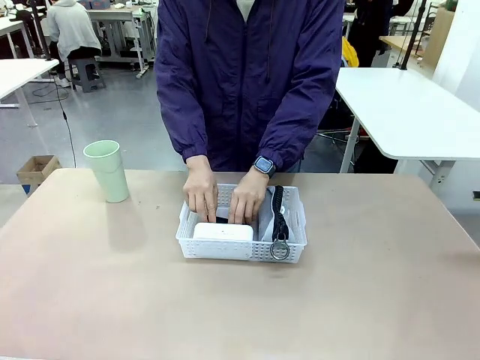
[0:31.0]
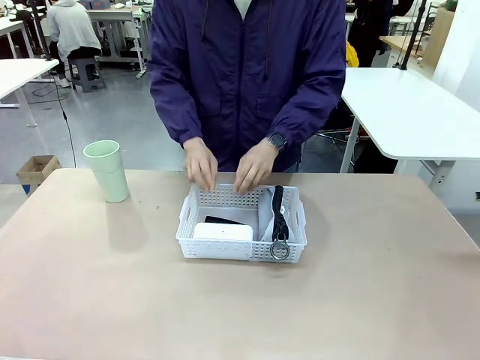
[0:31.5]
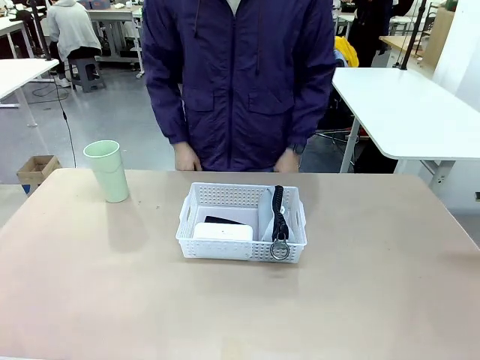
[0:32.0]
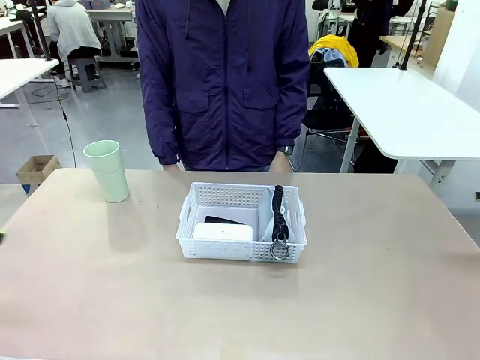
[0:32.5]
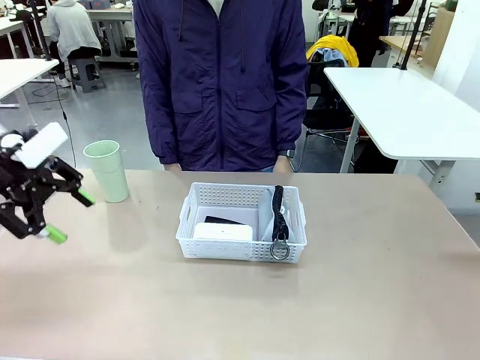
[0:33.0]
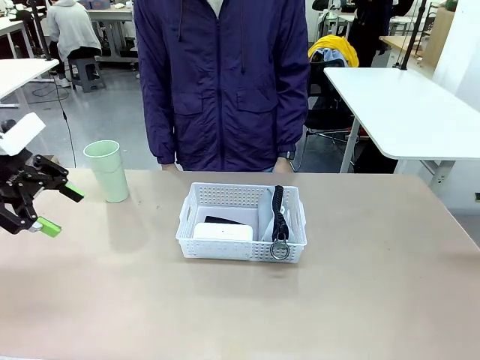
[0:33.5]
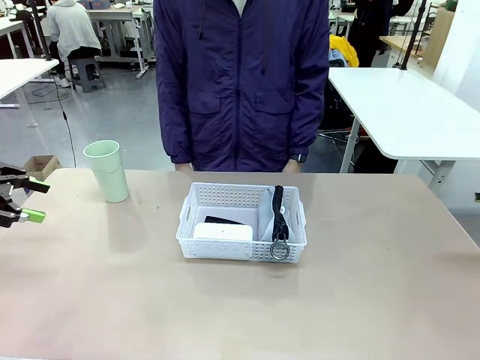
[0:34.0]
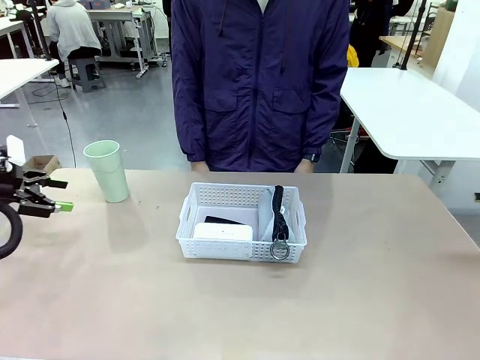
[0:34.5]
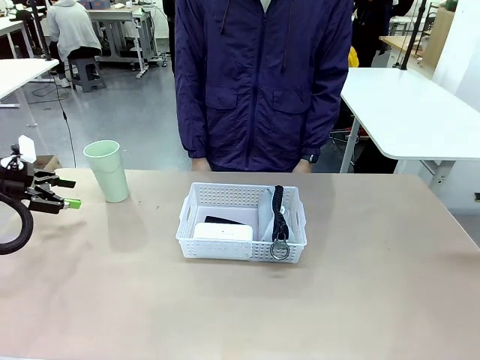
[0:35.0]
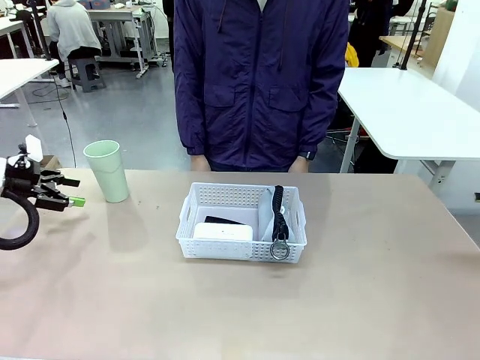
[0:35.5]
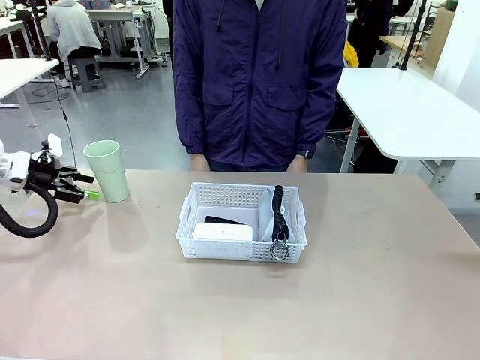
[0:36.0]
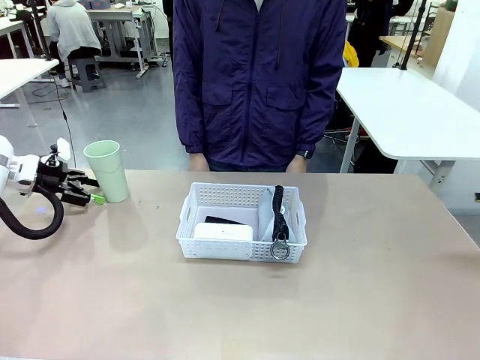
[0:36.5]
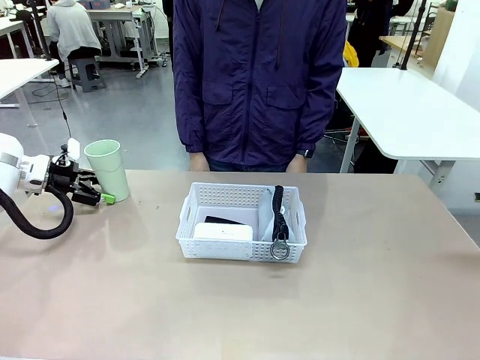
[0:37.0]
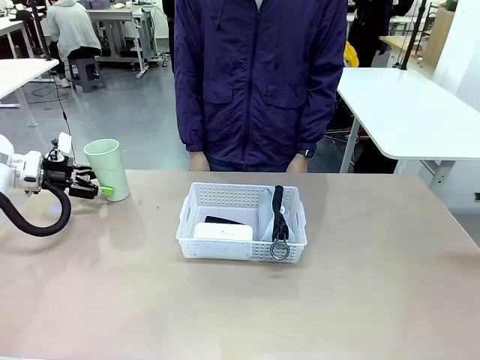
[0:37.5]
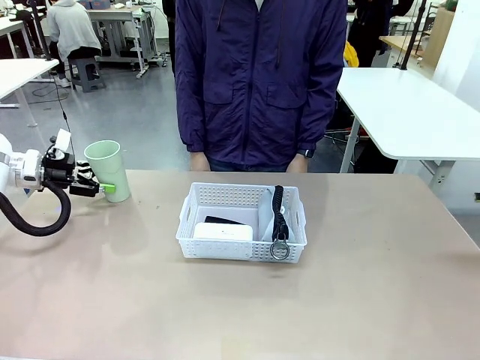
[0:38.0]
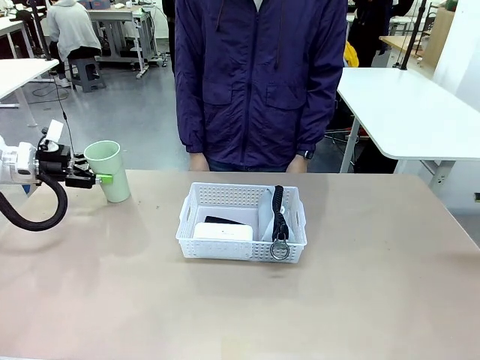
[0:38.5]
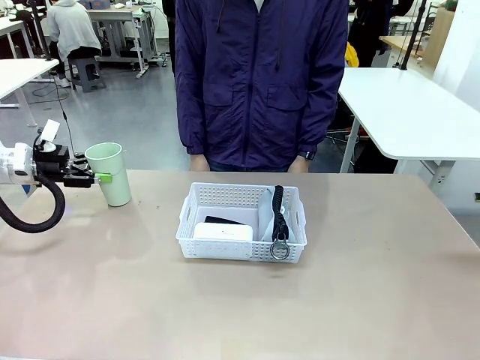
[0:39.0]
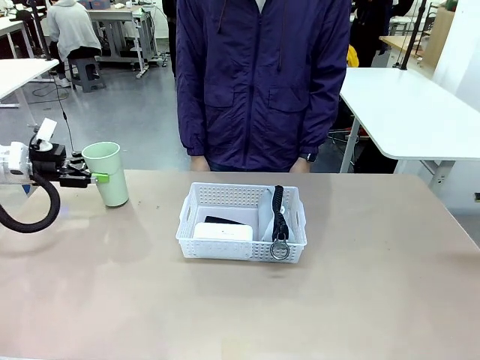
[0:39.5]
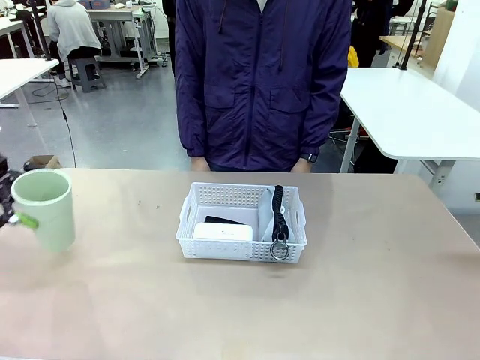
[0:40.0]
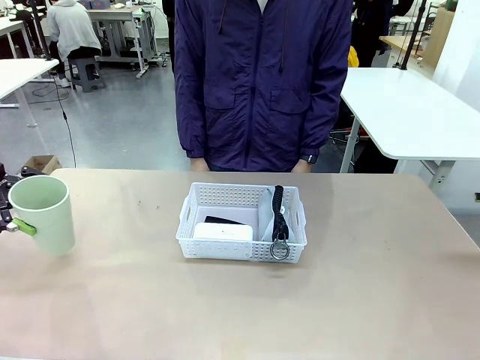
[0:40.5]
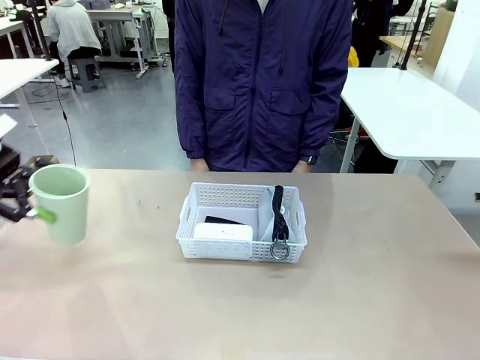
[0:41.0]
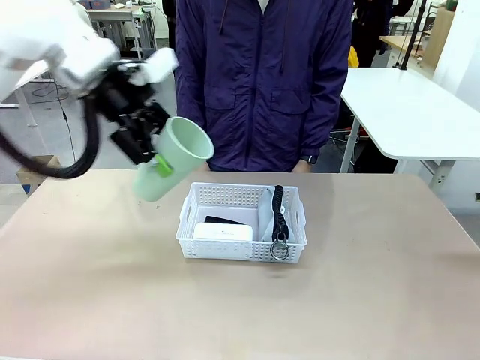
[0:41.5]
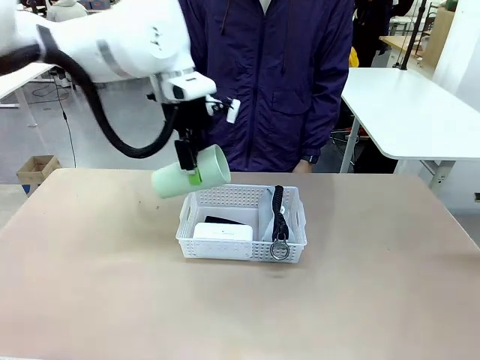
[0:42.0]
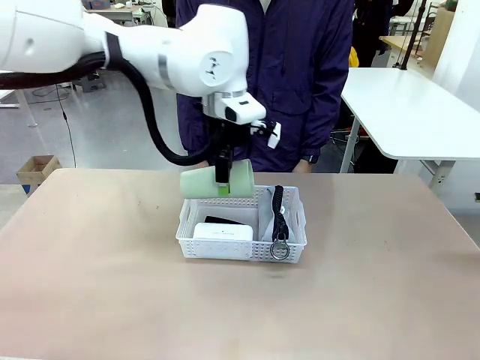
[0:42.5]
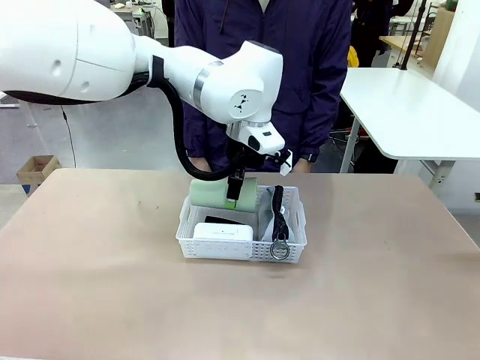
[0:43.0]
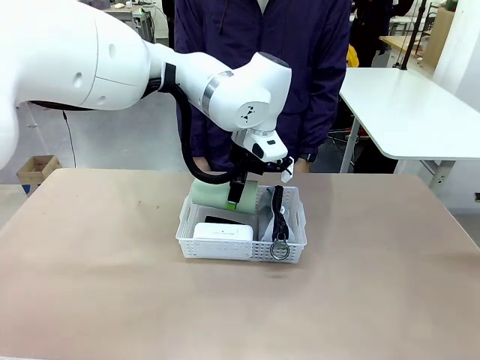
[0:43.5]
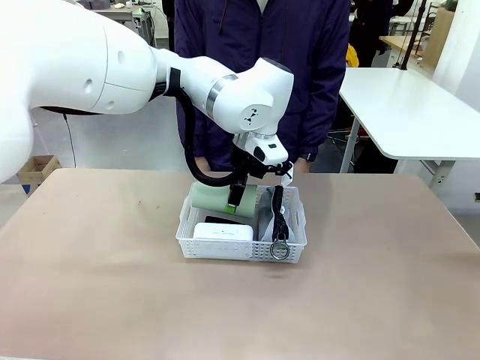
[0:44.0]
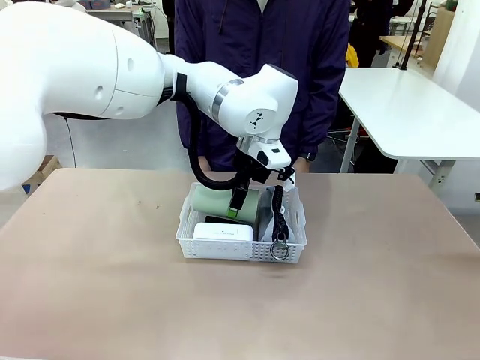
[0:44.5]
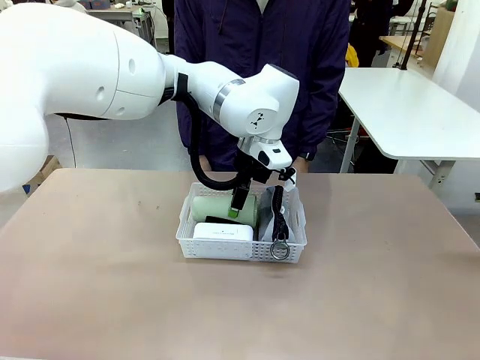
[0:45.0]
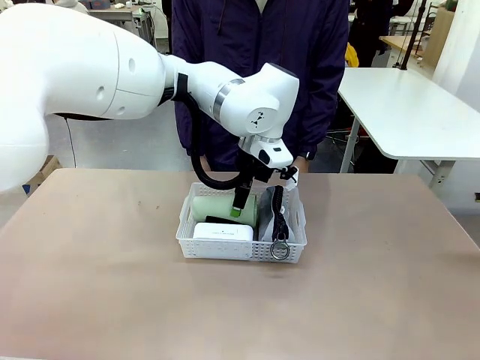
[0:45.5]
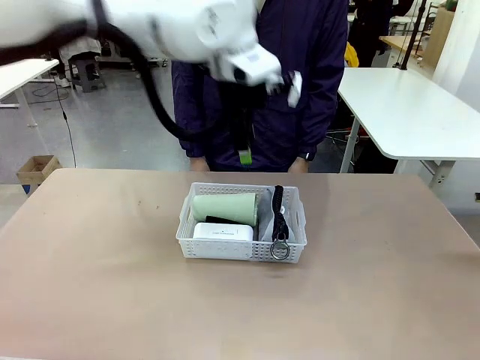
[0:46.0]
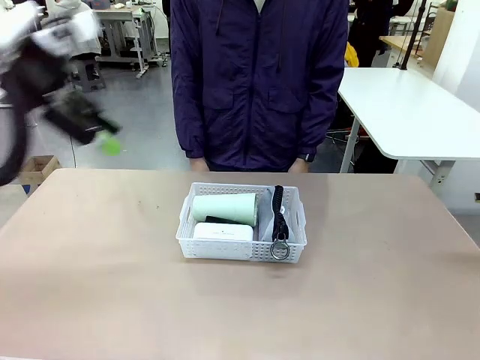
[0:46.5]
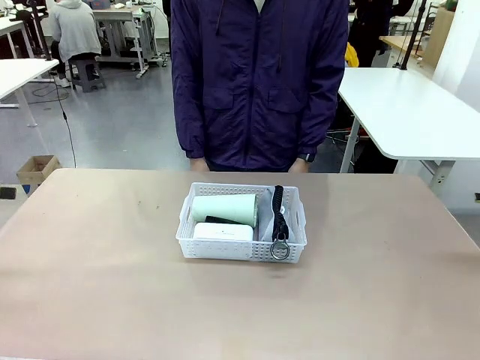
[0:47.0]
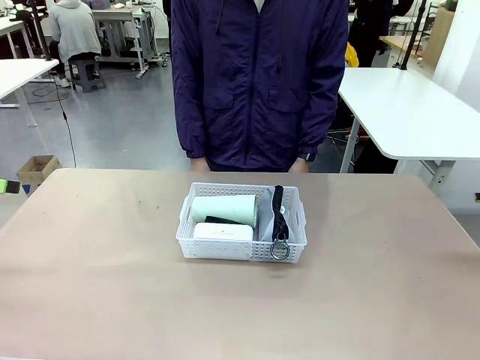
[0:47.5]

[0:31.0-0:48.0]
Task: Efficiently arrange items inside the basket to fit them all.
Robot: Pick up the Reusable plastic cup and place it inside the Organizing basket.
Person: Repositions the stapler.

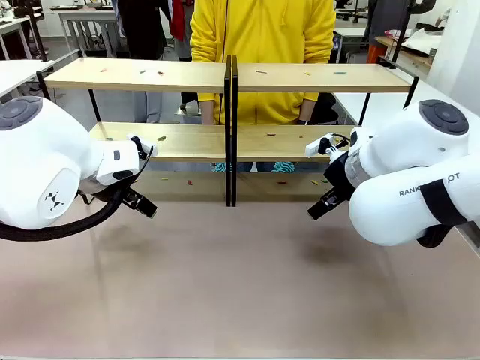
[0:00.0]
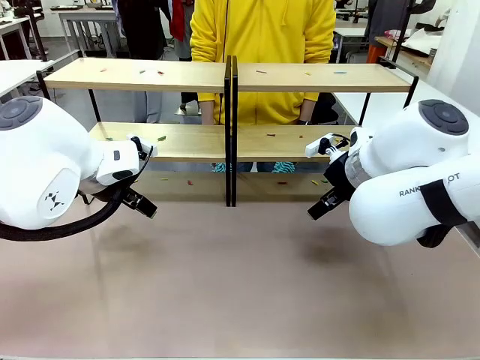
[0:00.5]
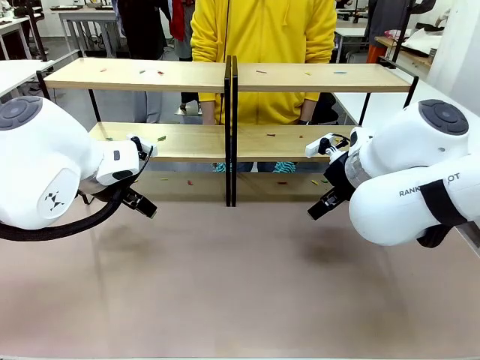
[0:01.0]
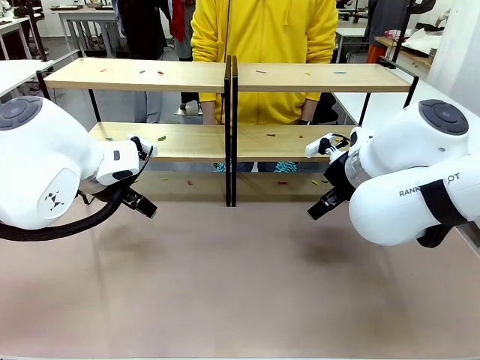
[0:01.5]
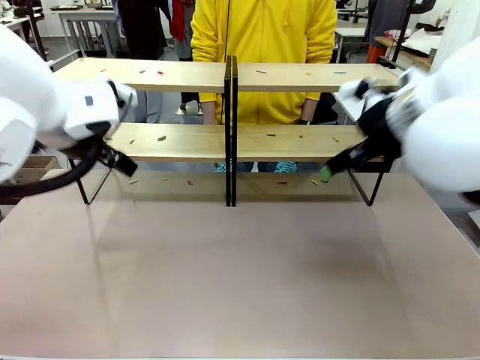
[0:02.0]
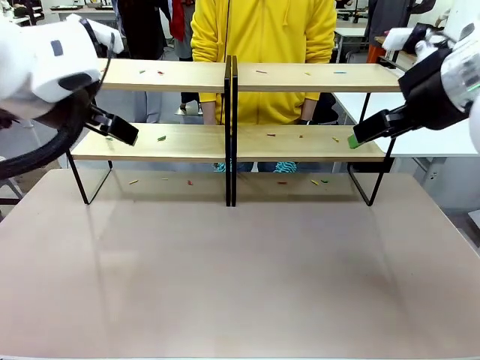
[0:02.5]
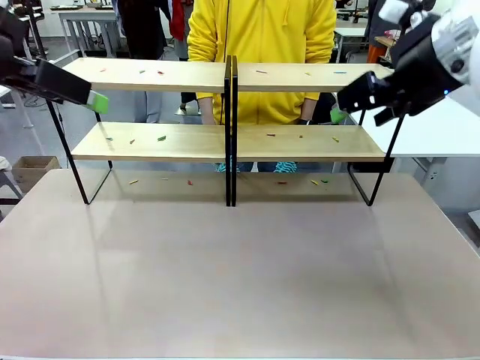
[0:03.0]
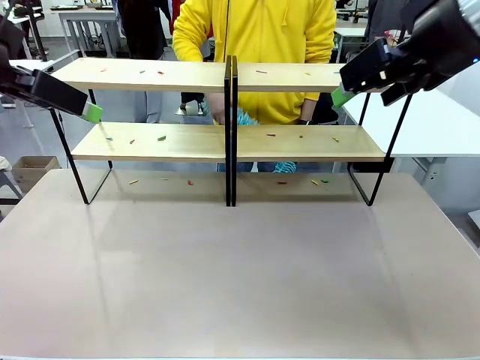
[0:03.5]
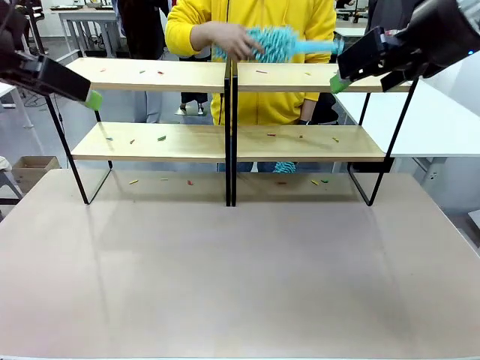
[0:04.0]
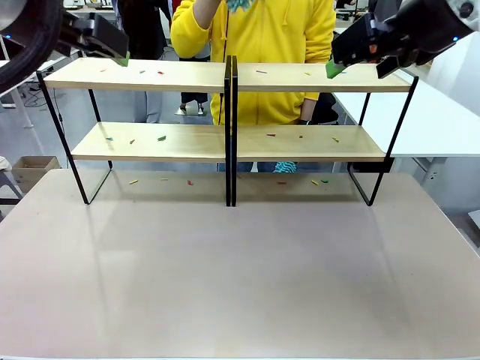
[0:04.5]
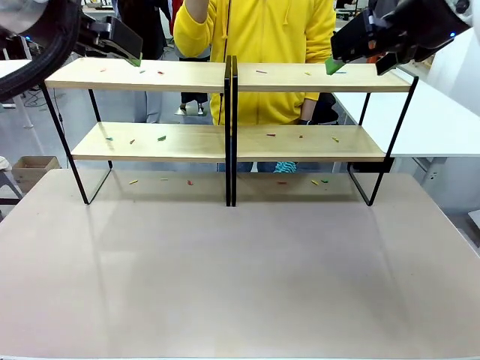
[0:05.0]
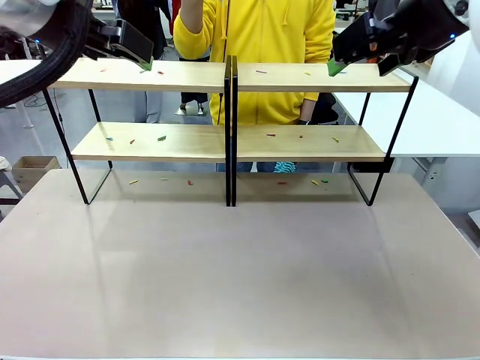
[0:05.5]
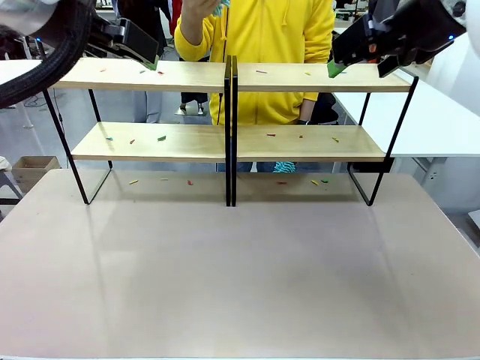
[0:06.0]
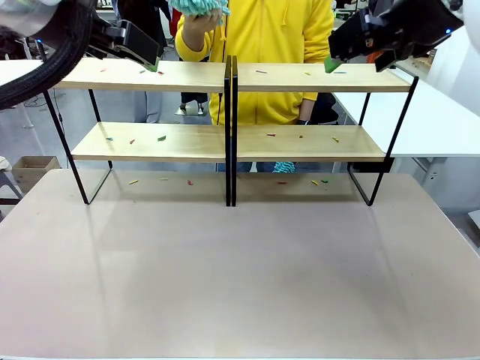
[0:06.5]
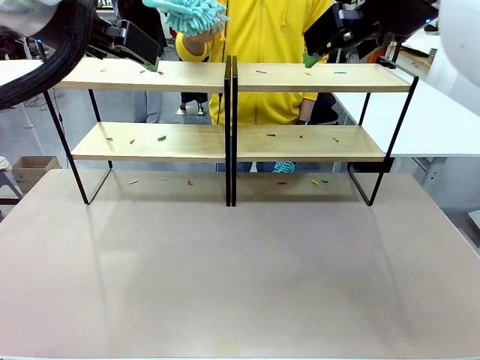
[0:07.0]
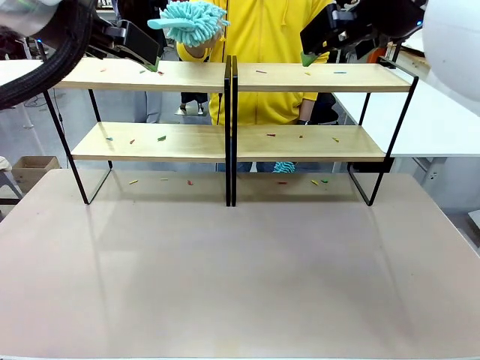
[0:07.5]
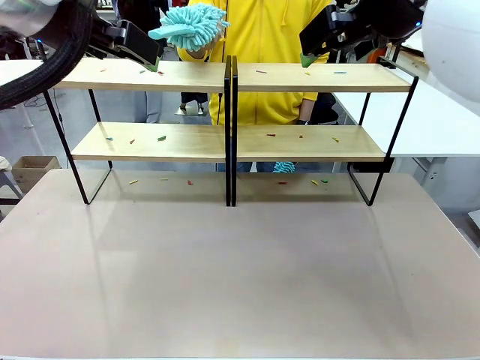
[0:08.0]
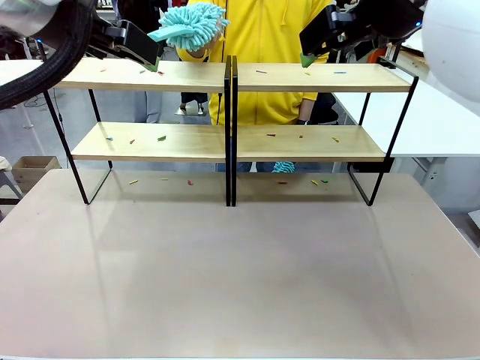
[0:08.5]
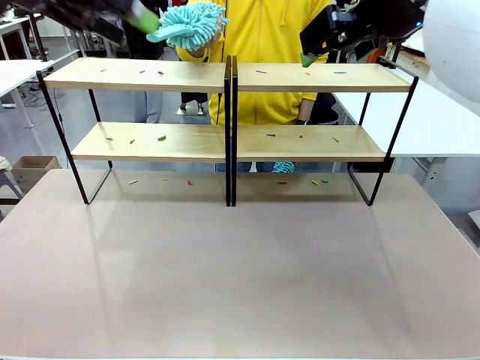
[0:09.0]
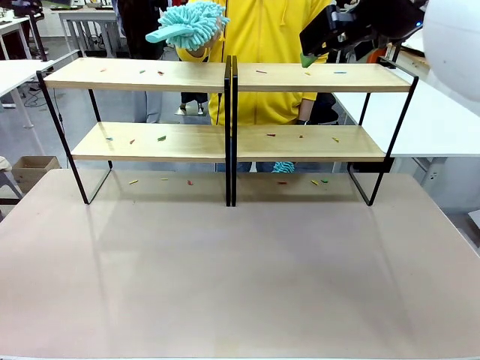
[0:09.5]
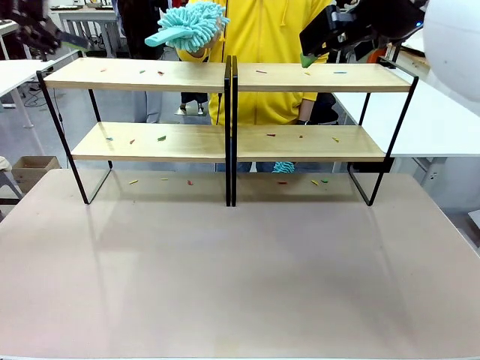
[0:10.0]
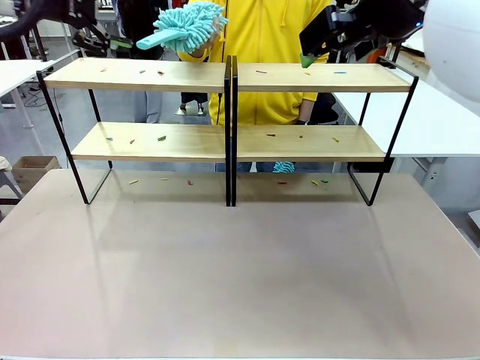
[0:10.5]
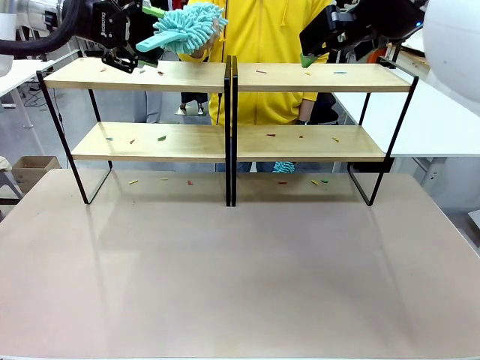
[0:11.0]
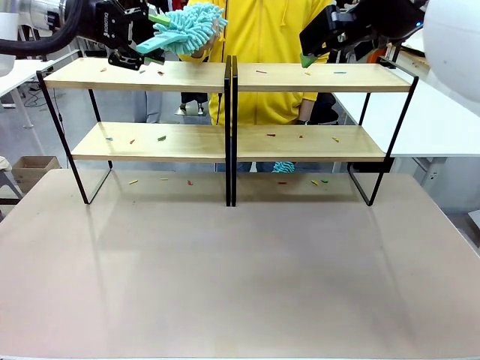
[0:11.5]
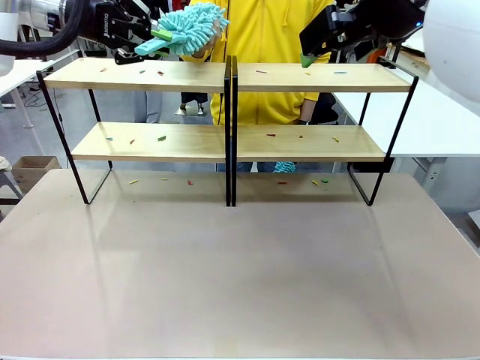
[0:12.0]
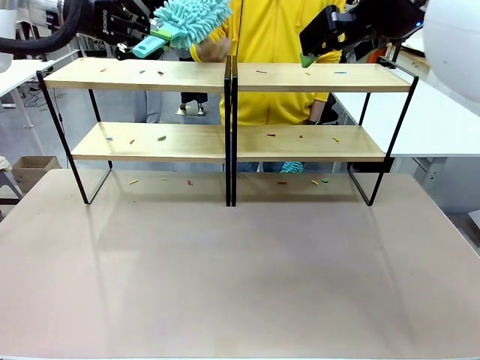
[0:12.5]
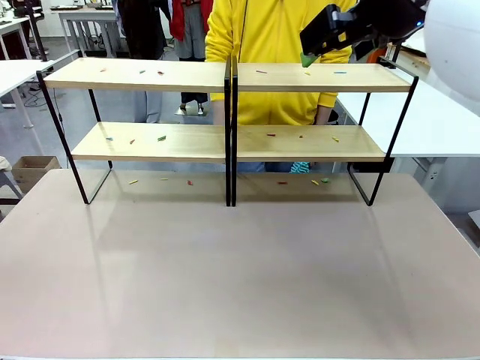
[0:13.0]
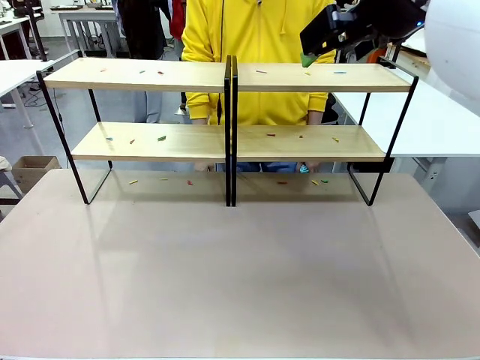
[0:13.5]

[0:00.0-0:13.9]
Task: Clean the shelves.
Robot: Pick up the Duster when the human hands it over.
Person: Hand the Duster to the robot with your right (or left) hand.
